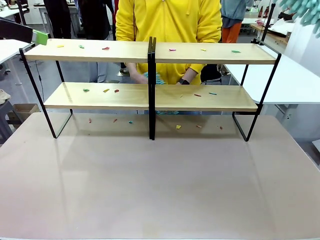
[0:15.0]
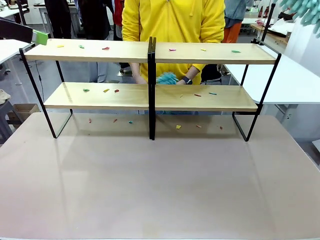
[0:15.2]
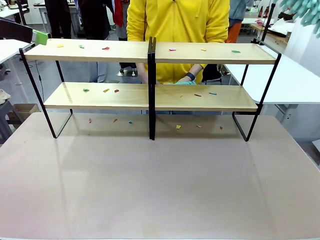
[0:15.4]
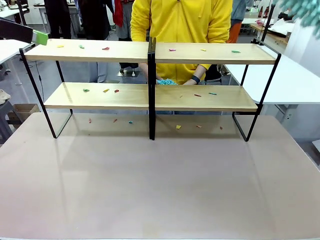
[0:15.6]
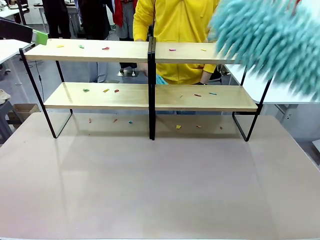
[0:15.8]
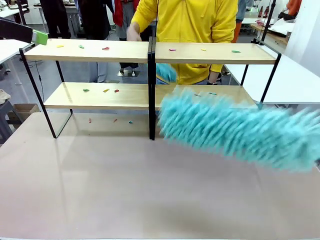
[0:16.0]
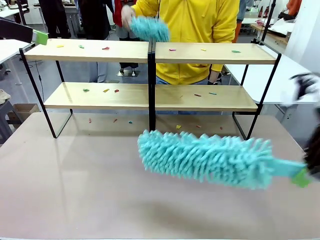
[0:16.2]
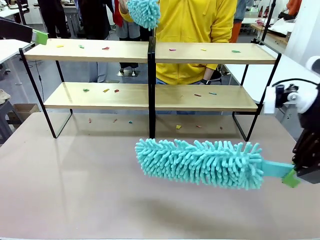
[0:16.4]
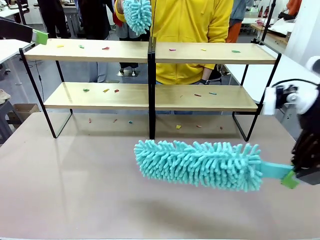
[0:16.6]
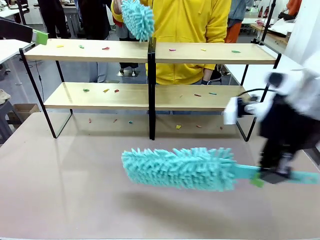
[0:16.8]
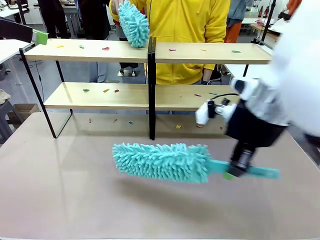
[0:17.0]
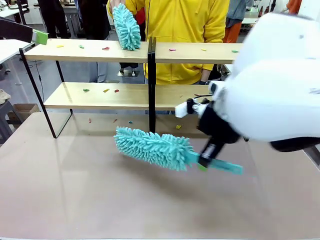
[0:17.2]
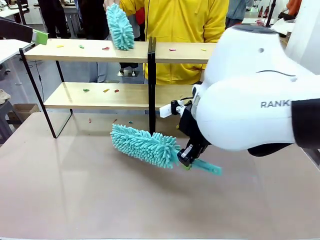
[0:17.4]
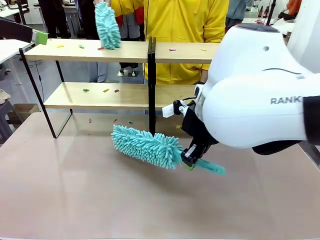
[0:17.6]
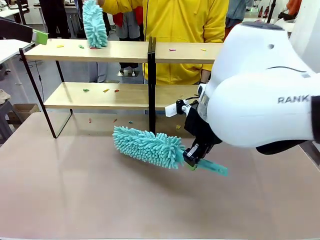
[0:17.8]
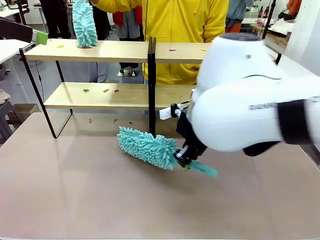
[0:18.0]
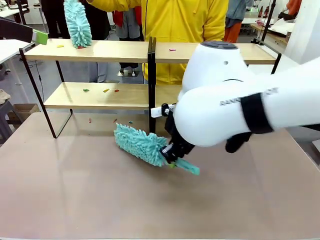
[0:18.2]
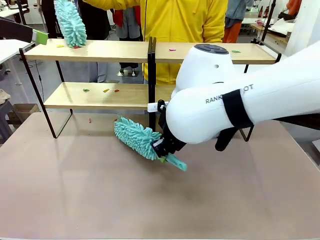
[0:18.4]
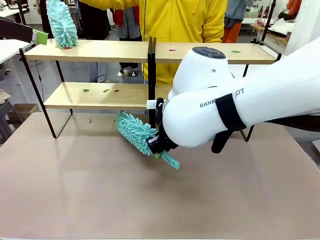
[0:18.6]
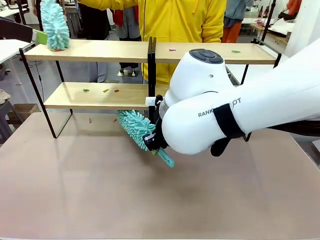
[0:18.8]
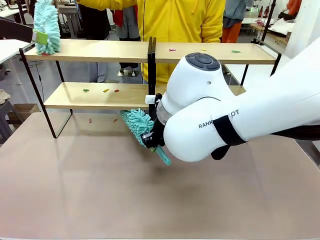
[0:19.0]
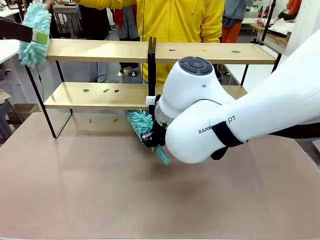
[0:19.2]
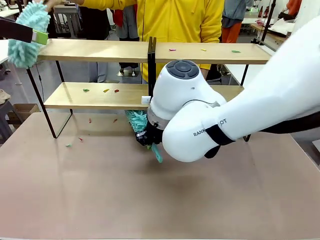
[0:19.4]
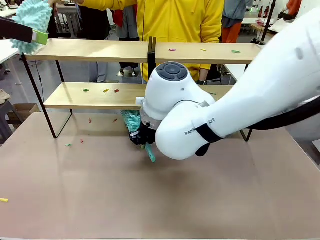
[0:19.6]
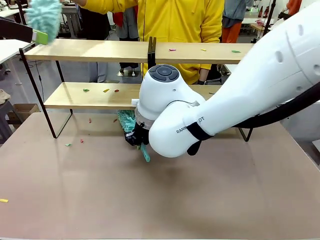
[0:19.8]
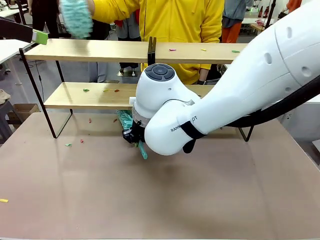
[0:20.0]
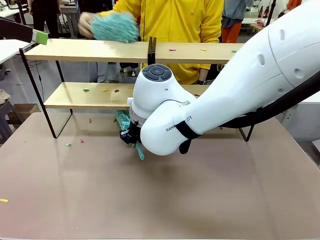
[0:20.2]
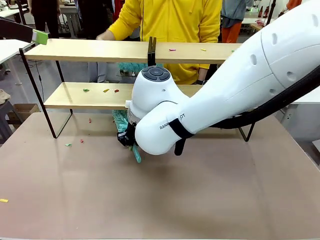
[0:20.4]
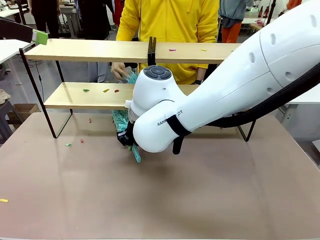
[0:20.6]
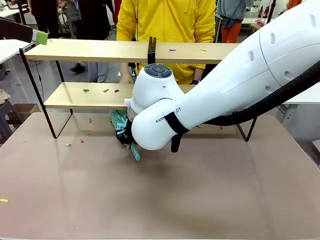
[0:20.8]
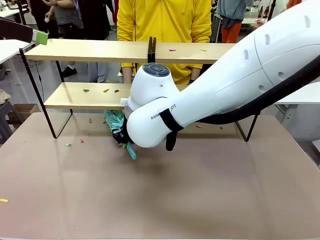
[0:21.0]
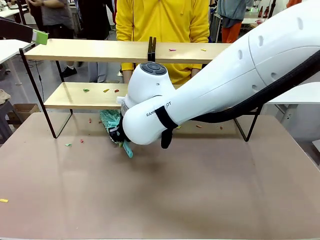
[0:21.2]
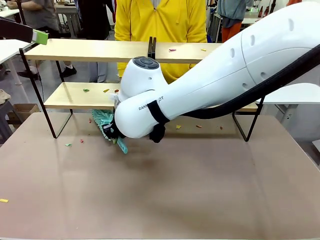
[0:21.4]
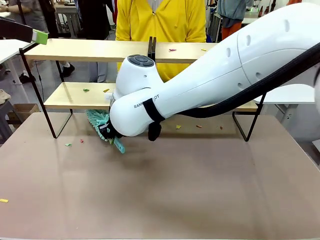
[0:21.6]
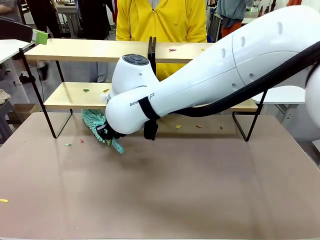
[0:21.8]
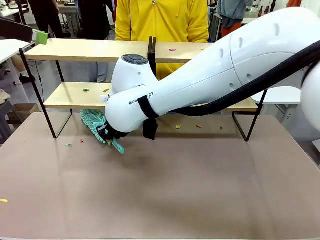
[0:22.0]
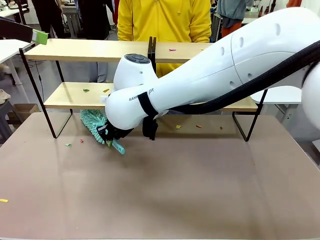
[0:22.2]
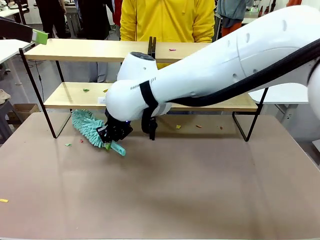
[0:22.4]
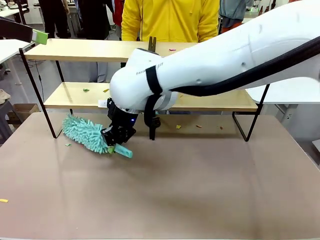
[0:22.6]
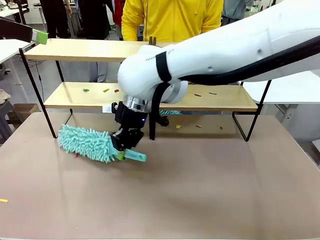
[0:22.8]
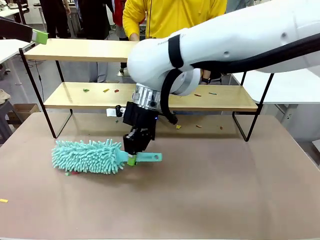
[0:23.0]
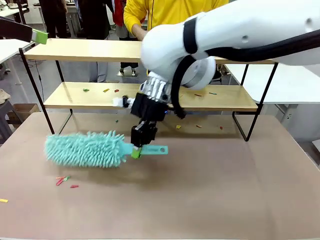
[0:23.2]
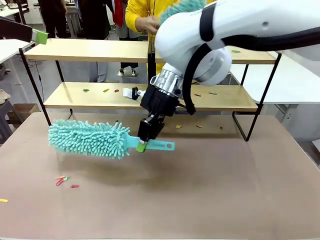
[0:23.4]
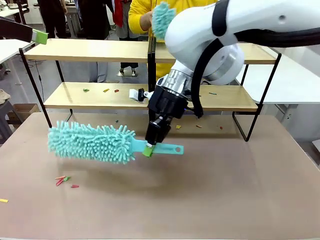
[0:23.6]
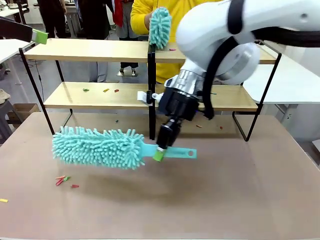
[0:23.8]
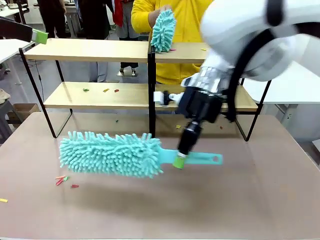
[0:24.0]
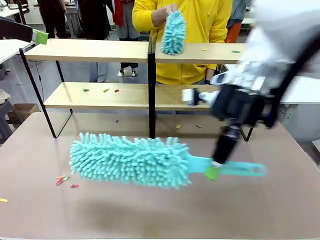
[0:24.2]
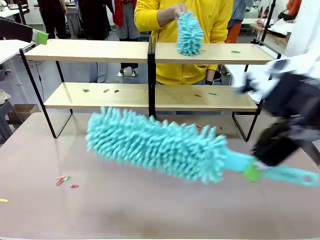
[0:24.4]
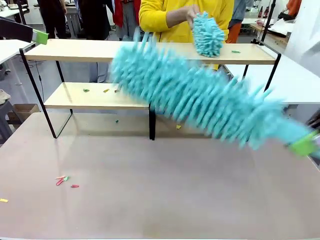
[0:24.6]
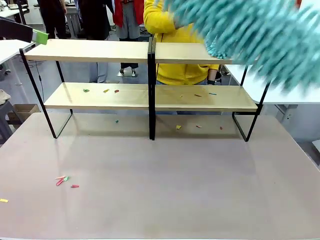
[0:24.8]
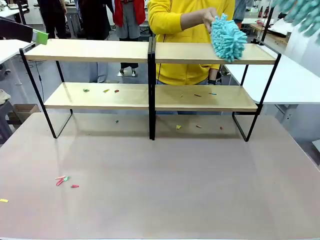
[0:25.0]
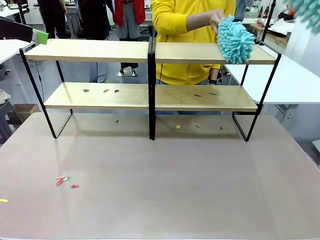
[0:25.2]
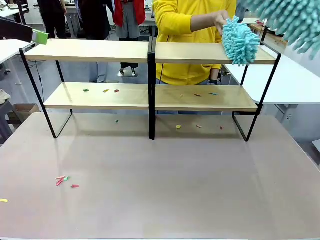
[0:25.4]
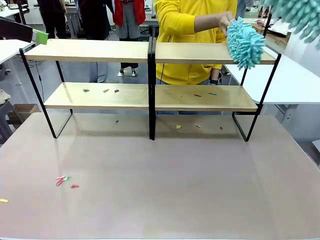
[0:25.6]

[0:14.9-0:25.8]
Task: Clean the shelves.
Robot: Clean a randomly selected level of the Shelf with the Duster.

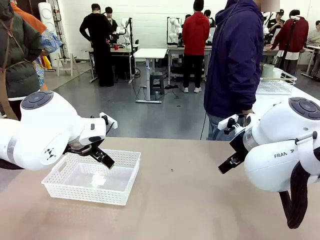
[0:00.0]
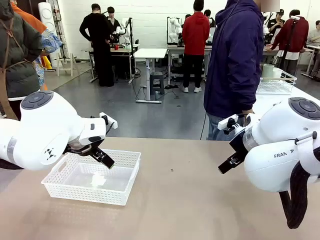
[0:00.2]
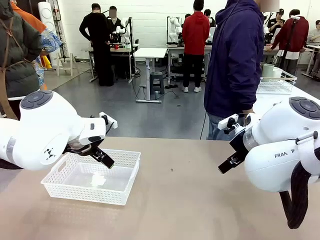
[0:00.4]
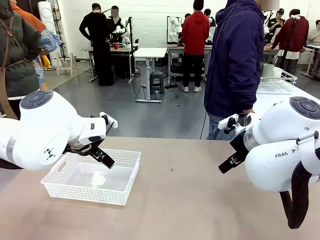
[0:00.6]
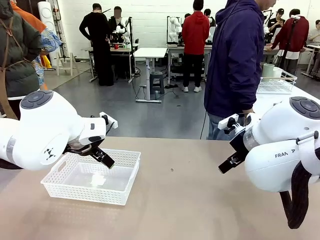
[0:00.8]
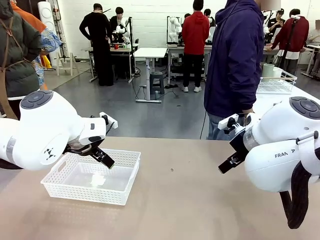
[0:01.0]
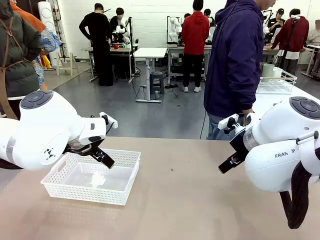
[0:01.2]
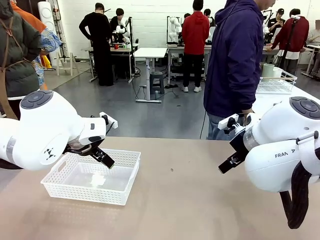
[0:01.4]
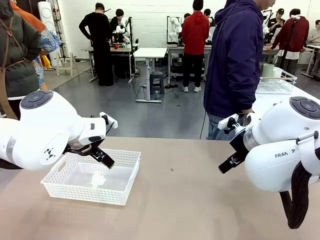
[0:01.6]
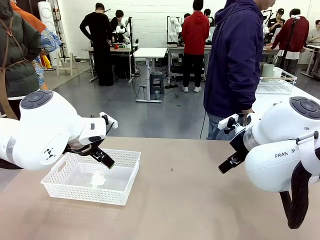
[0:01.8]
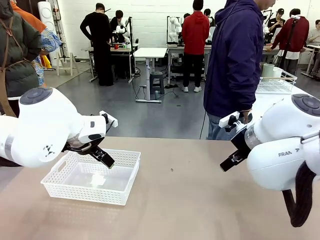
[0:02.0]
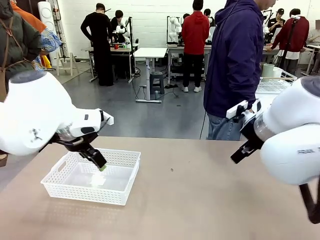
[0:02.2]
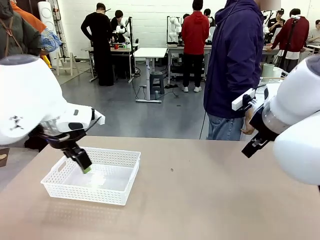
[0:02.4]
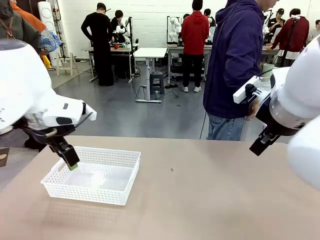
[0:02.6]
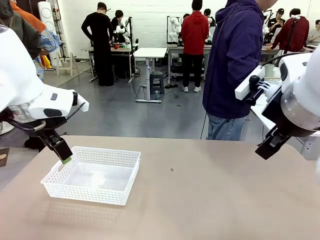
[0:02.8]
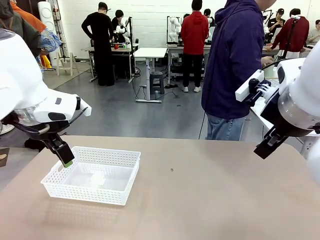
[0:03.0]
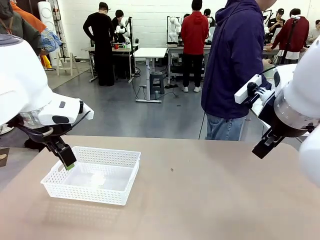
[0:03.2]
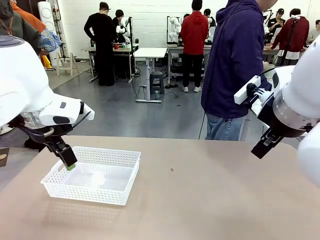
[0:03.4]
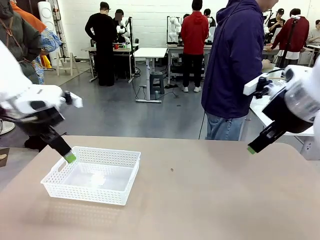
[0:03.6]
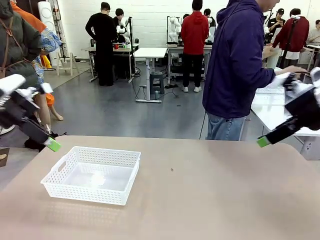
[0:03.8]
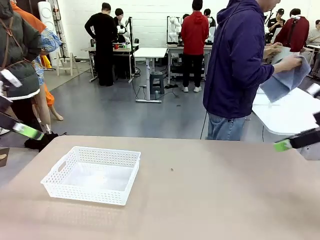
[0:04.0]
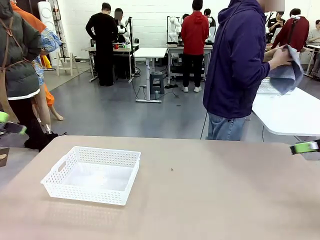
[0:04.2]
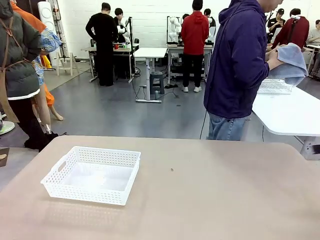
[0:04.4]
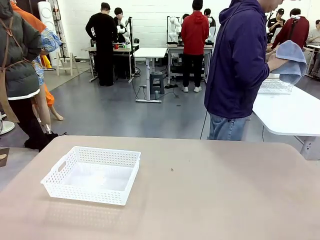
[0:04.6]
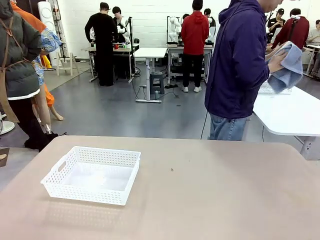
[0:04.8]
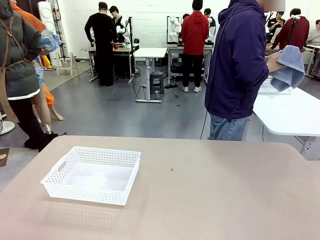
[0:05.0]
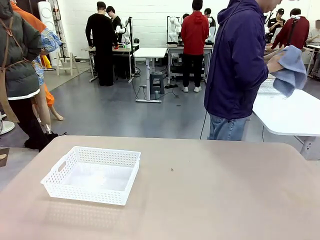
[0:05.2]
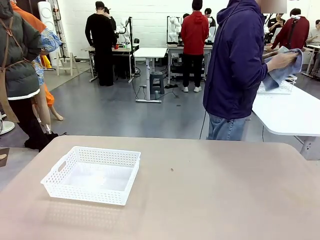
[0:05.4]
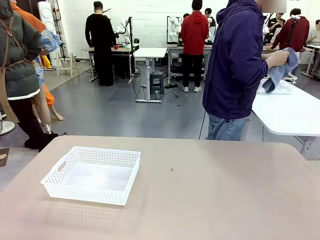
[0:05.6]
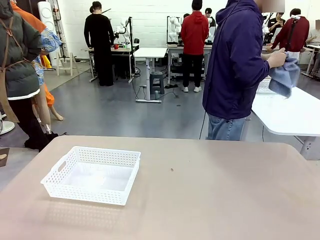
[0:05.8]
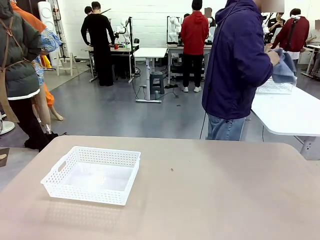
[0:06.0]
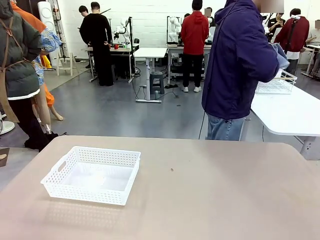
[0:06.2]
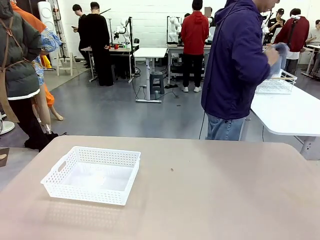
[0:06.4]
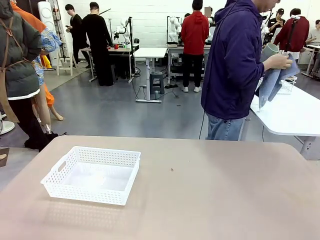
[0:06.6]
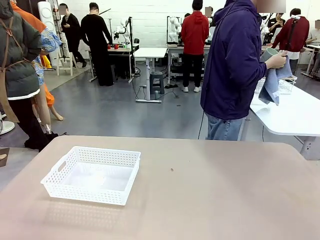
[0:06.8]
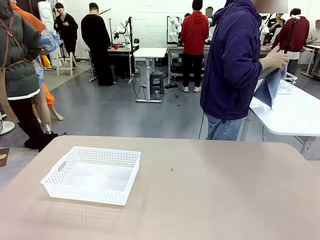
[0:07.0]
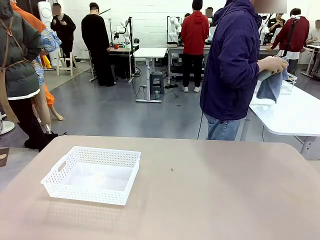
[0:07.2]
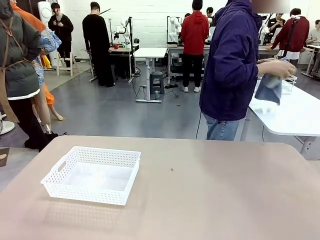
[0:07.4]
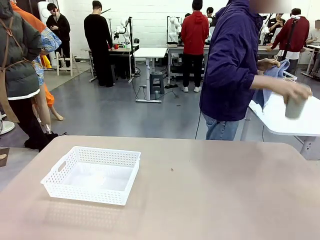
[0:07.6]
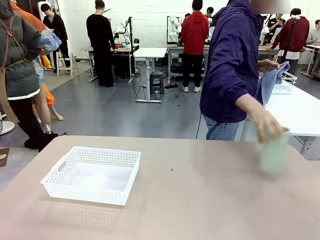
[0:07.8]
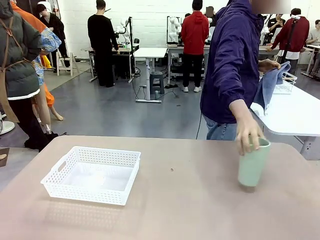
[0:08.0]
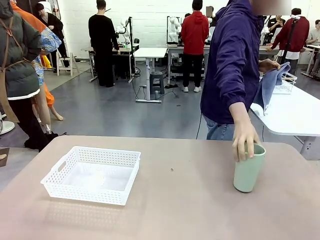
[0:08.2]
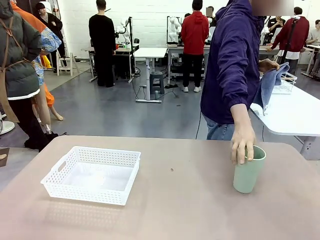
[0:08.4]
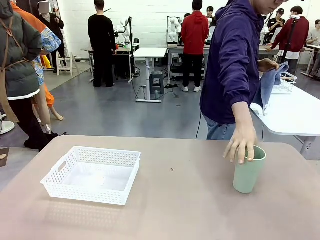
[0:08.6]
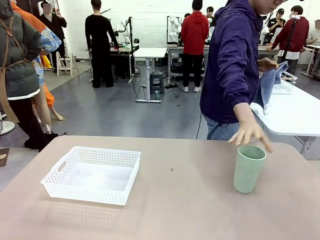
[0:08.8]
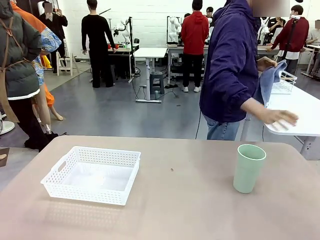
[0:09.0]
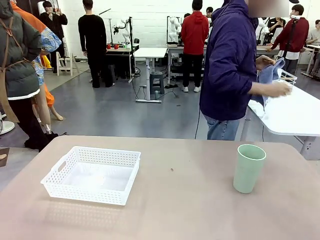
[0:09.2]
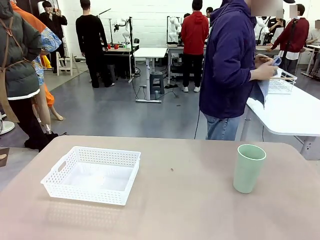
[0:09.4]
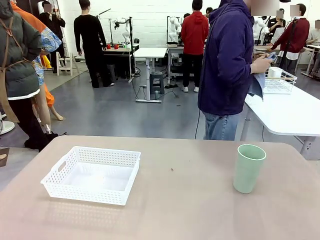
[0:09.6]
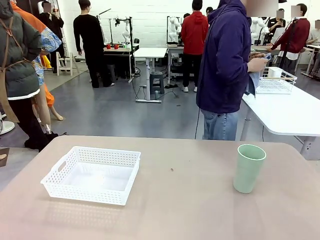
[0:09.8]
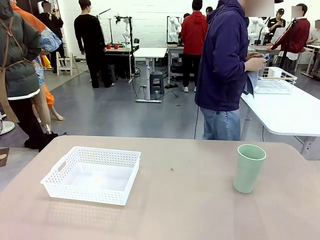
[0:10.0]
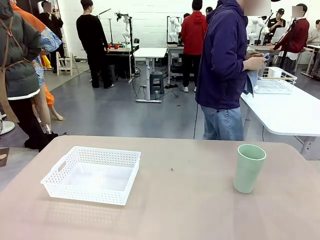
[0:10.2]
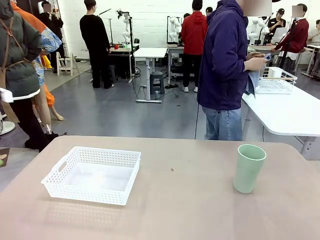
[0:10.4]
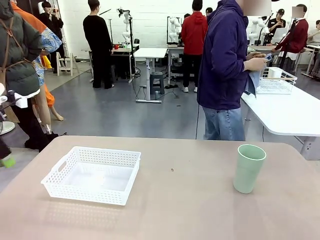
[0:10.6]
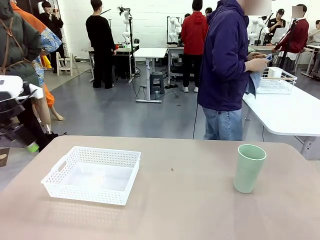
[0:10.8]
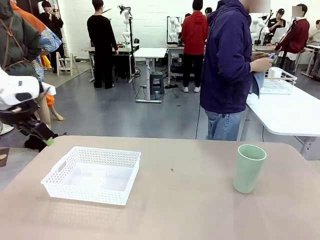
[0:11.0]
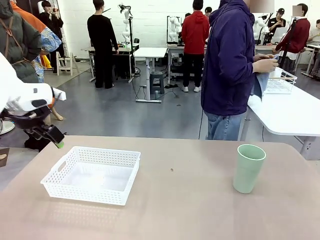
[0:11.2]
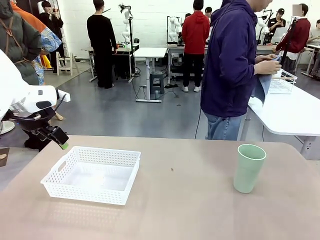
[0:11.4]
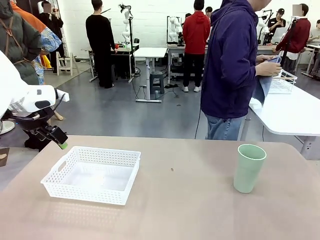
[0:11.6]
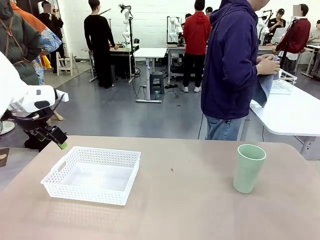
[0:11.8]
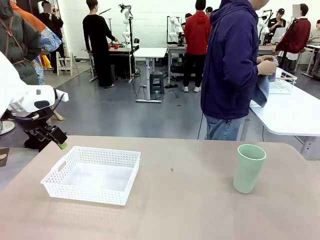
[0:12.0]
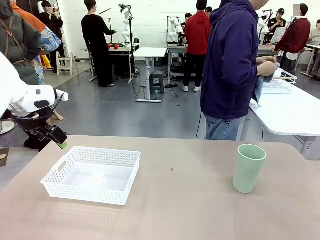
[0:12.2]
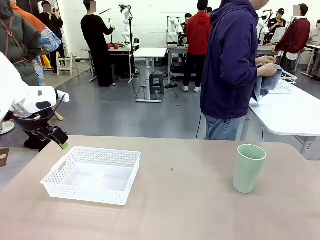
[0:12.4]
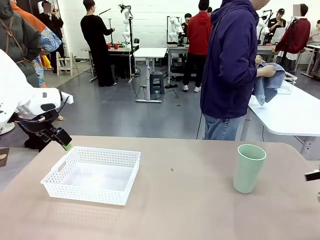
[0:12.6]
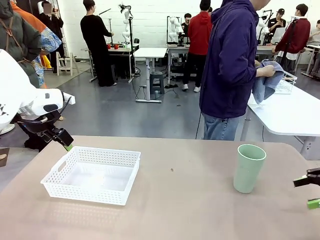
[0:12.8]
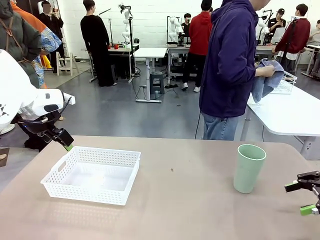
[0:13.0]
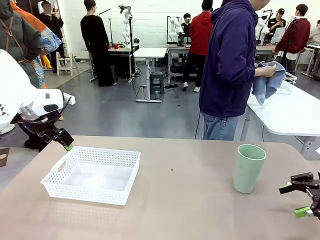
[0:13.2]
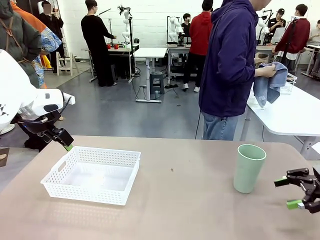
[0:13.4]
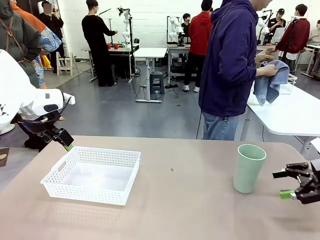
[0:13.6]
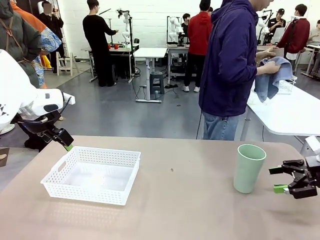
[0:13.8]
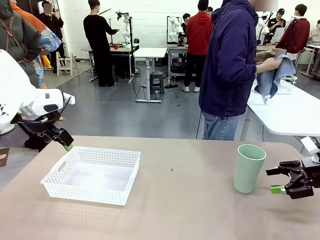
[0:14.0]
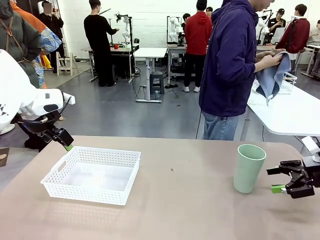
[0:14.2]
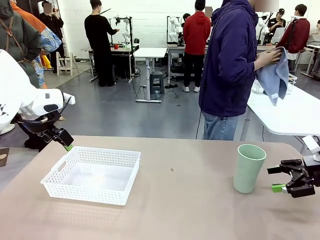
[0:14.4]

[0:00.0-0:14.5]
Task: Clean and organize the cups into the basket.
Robot: Pick up the Organizing basket and move it to the center of the table, then pick up the Reusable plastic cup from the right side of the table and place it inside the Organizing basket.
Person: Picks up a cup and a towel, cleans the cup with the towel, and places it on the left side of the robot table.
